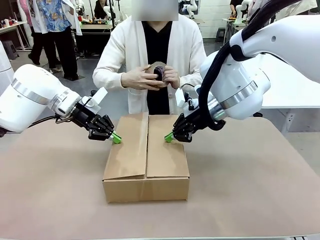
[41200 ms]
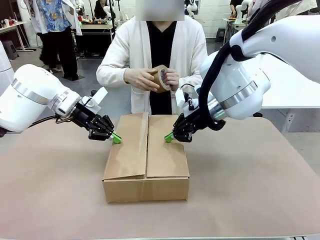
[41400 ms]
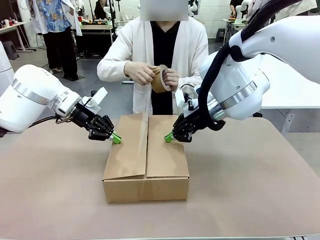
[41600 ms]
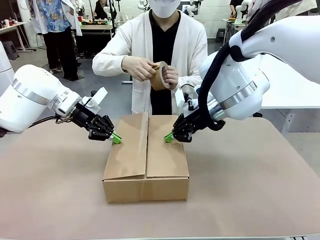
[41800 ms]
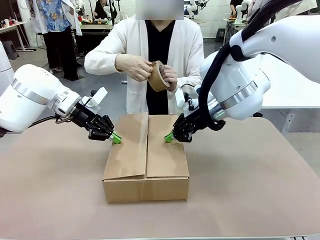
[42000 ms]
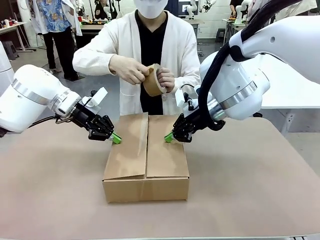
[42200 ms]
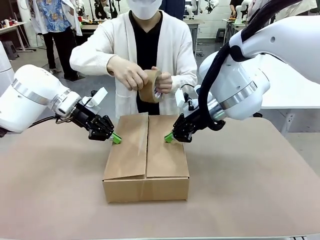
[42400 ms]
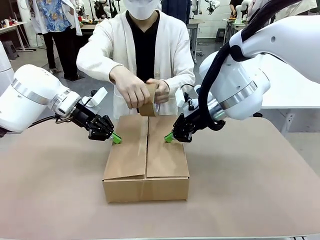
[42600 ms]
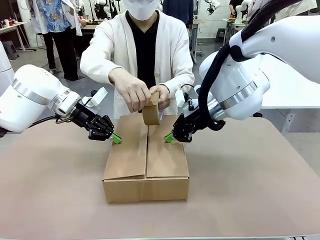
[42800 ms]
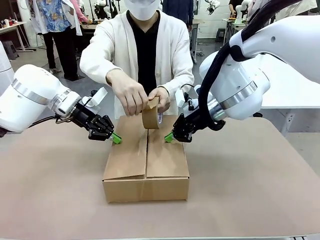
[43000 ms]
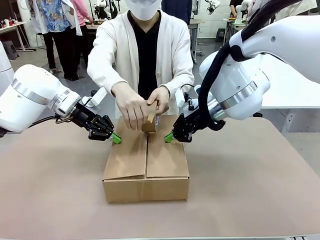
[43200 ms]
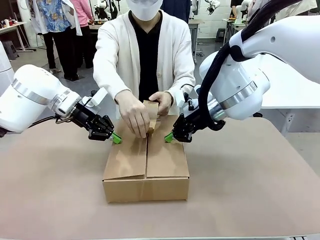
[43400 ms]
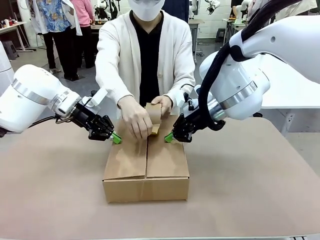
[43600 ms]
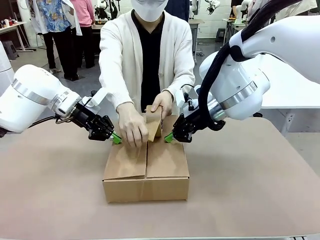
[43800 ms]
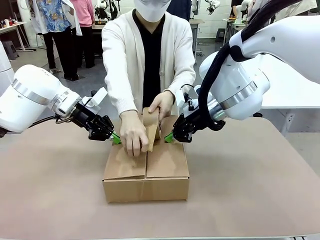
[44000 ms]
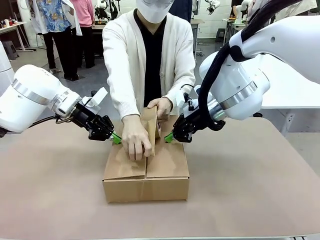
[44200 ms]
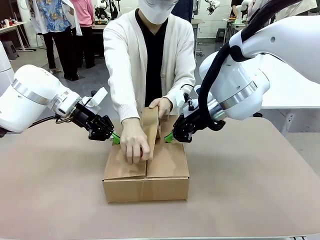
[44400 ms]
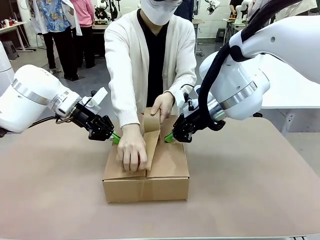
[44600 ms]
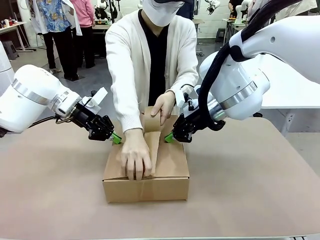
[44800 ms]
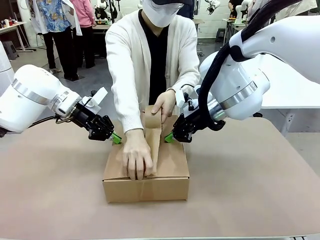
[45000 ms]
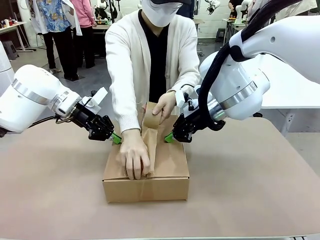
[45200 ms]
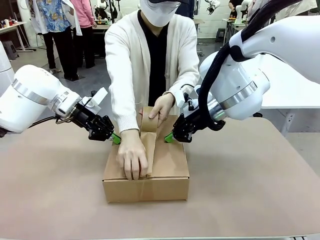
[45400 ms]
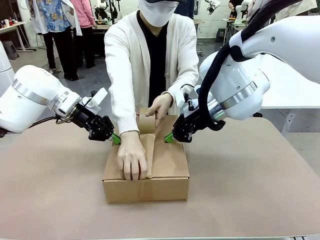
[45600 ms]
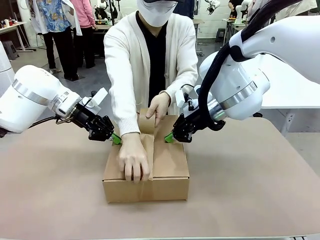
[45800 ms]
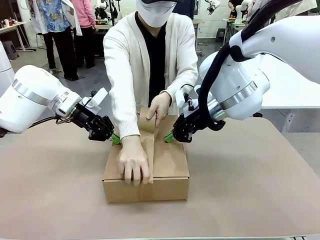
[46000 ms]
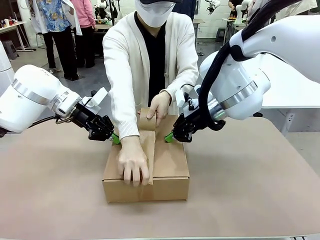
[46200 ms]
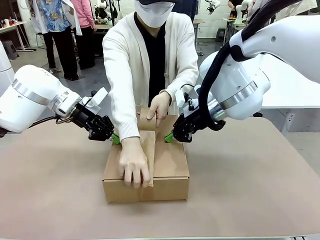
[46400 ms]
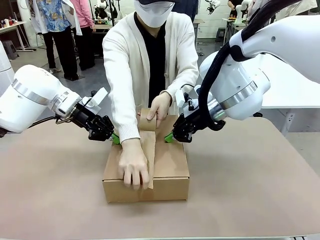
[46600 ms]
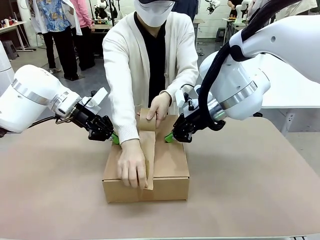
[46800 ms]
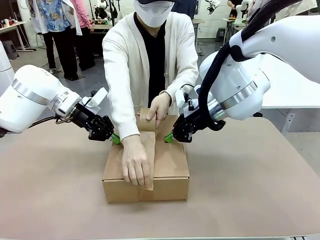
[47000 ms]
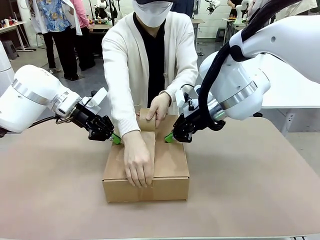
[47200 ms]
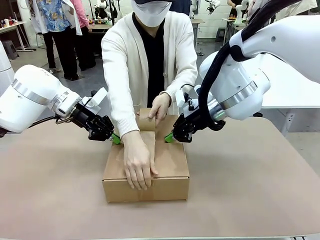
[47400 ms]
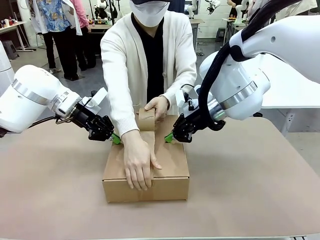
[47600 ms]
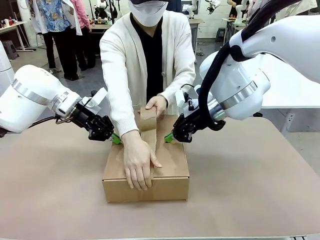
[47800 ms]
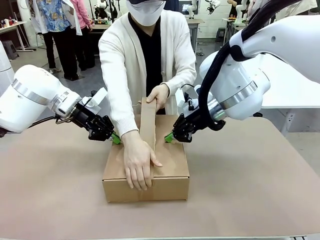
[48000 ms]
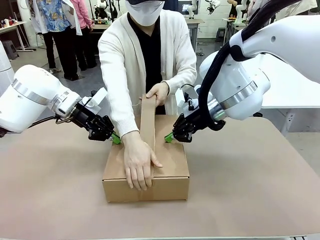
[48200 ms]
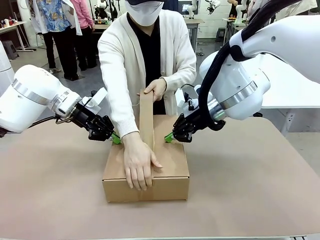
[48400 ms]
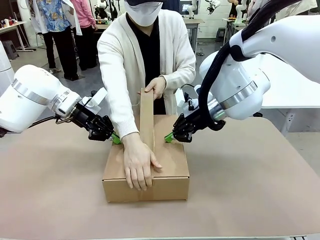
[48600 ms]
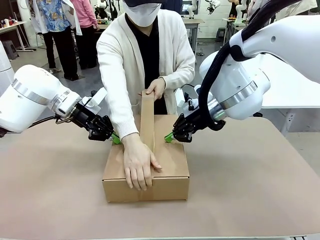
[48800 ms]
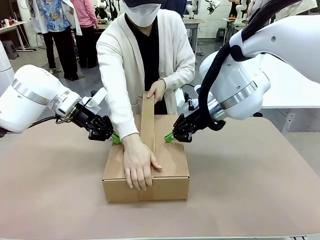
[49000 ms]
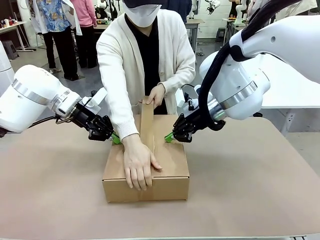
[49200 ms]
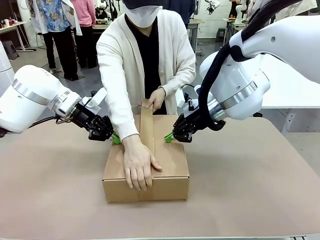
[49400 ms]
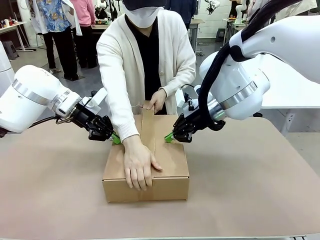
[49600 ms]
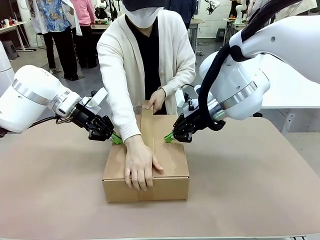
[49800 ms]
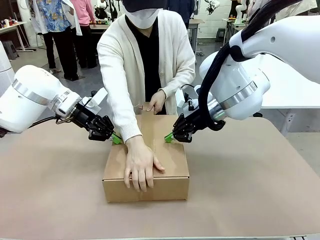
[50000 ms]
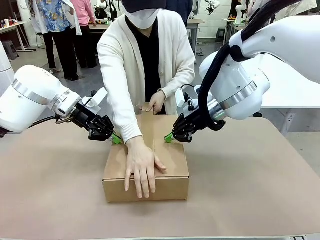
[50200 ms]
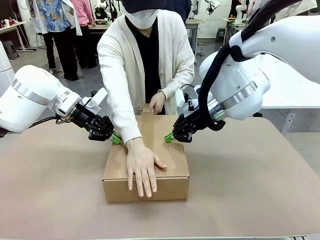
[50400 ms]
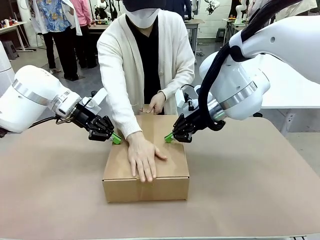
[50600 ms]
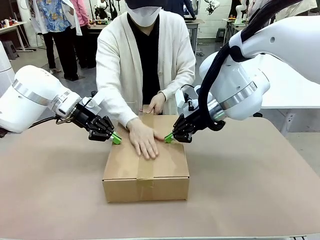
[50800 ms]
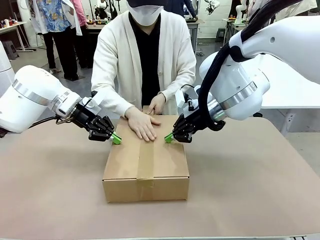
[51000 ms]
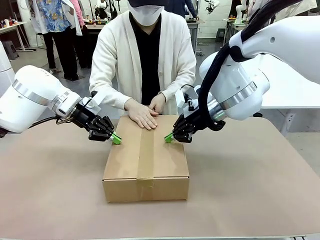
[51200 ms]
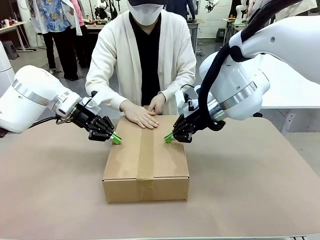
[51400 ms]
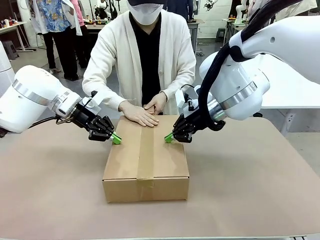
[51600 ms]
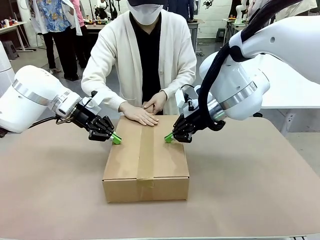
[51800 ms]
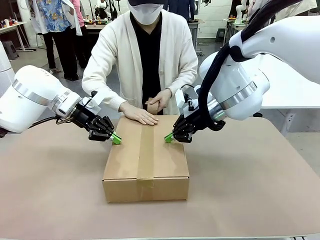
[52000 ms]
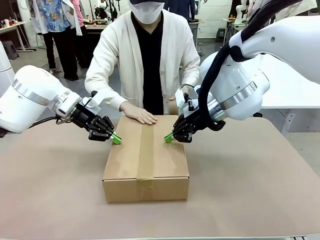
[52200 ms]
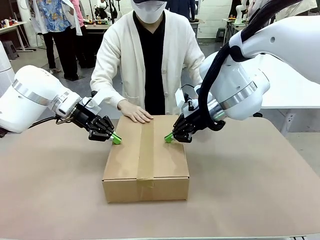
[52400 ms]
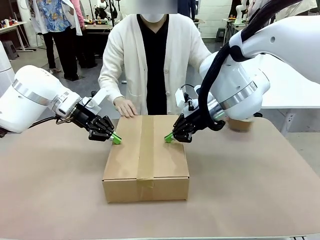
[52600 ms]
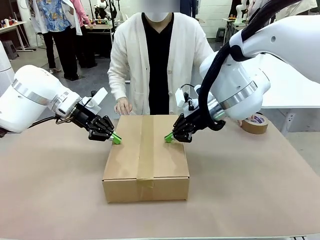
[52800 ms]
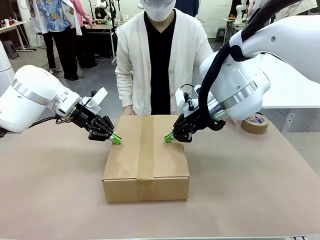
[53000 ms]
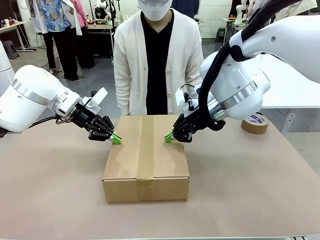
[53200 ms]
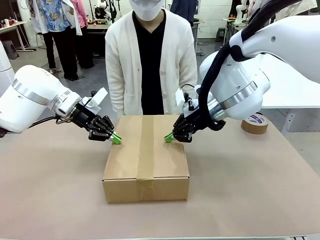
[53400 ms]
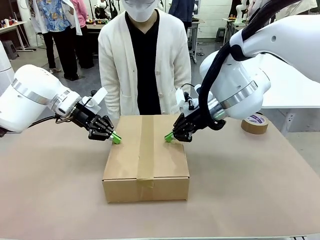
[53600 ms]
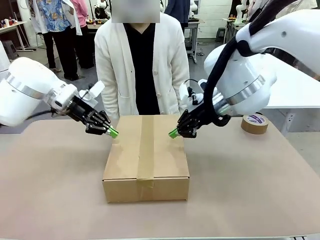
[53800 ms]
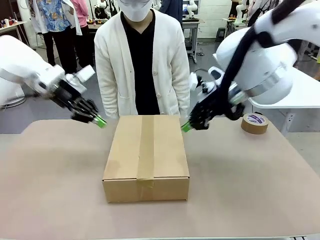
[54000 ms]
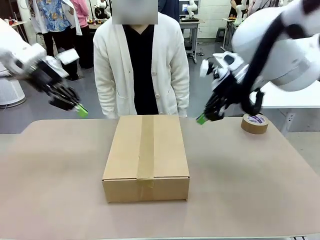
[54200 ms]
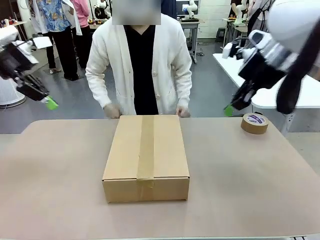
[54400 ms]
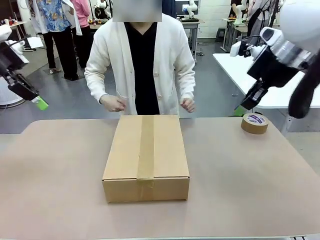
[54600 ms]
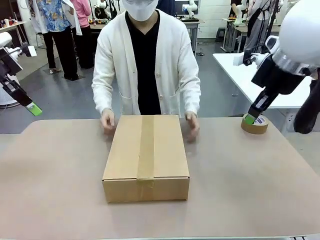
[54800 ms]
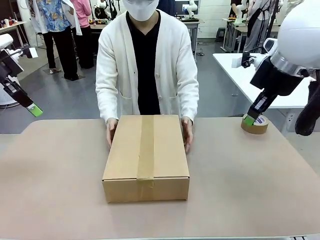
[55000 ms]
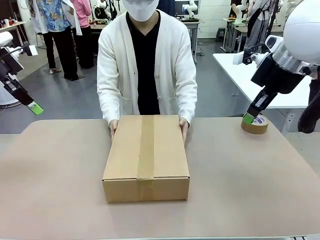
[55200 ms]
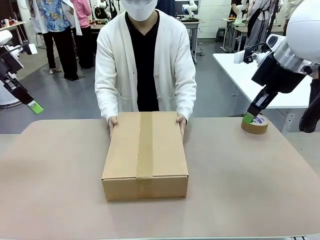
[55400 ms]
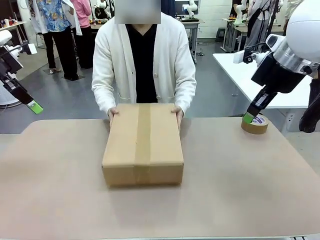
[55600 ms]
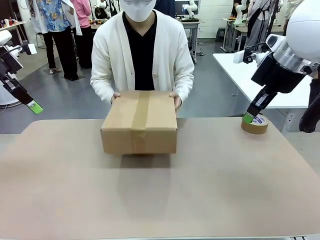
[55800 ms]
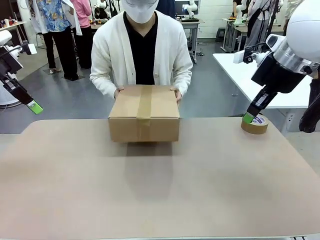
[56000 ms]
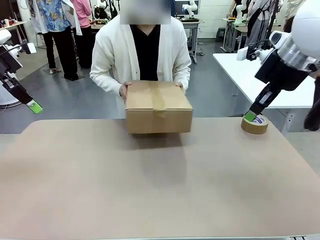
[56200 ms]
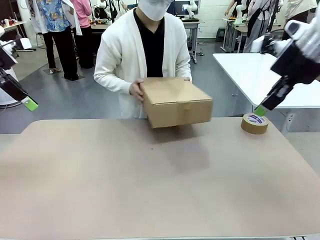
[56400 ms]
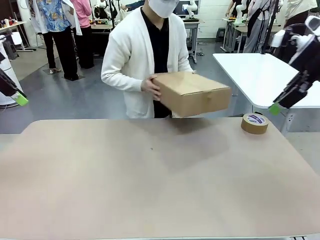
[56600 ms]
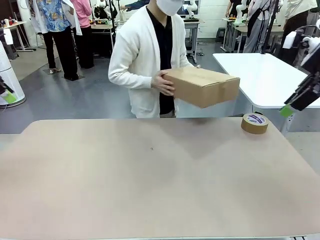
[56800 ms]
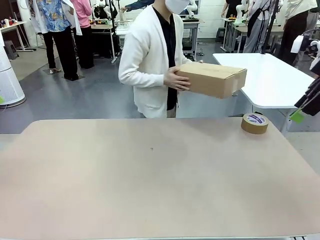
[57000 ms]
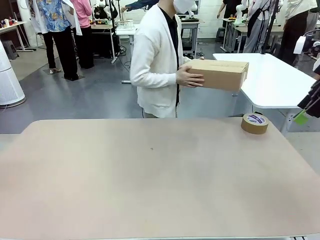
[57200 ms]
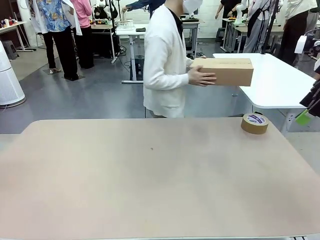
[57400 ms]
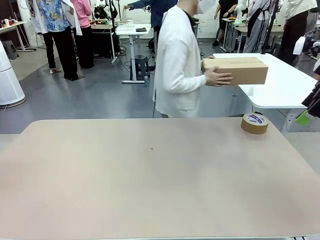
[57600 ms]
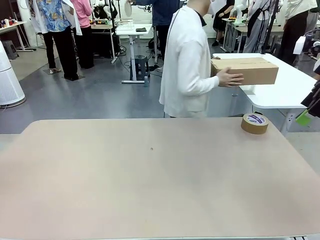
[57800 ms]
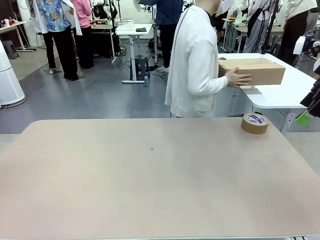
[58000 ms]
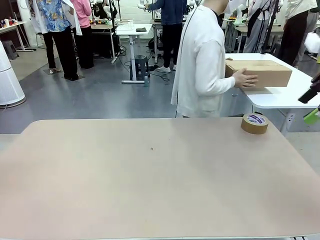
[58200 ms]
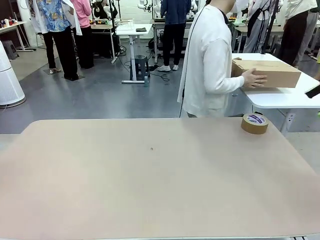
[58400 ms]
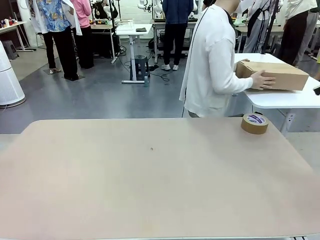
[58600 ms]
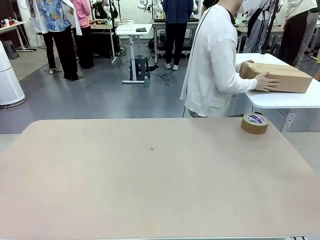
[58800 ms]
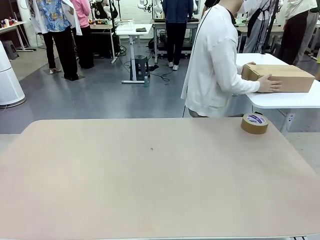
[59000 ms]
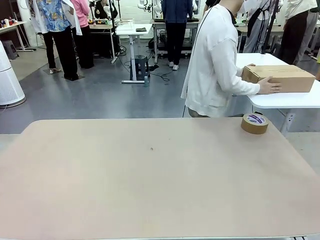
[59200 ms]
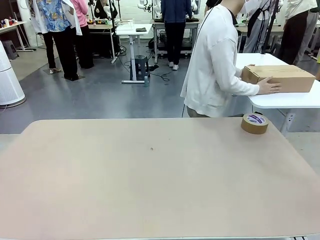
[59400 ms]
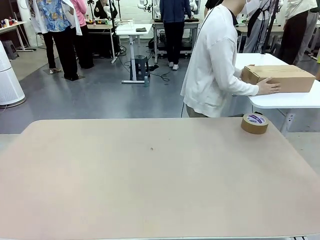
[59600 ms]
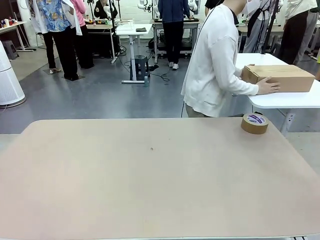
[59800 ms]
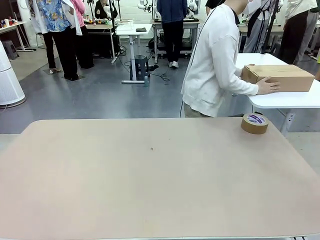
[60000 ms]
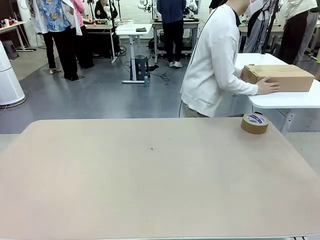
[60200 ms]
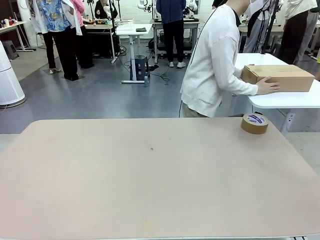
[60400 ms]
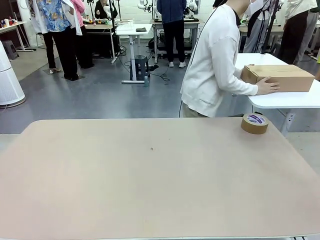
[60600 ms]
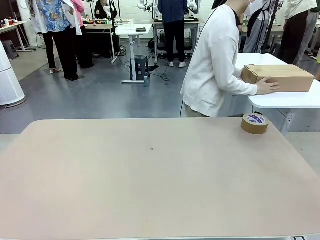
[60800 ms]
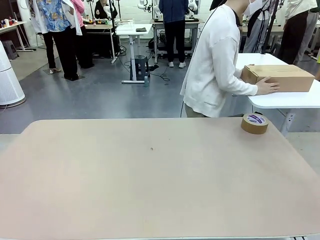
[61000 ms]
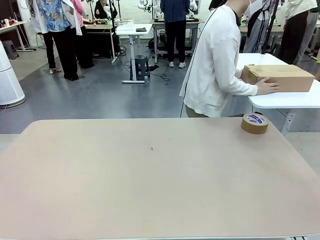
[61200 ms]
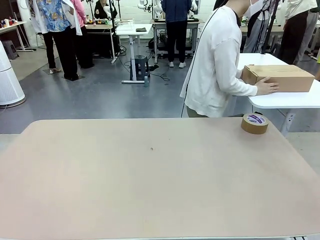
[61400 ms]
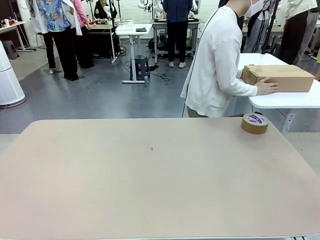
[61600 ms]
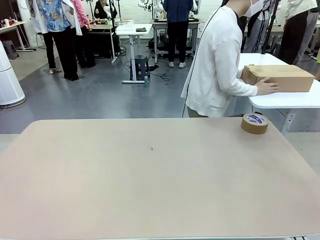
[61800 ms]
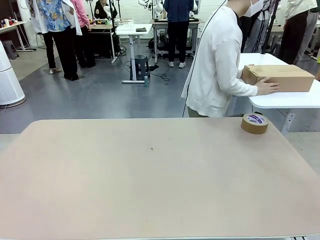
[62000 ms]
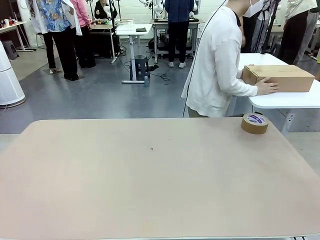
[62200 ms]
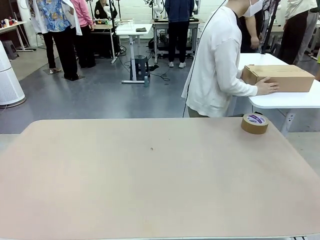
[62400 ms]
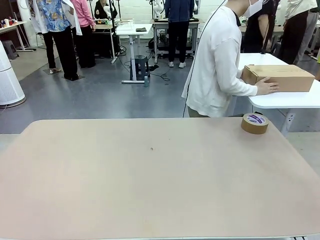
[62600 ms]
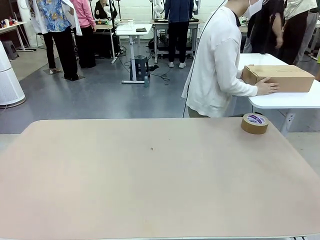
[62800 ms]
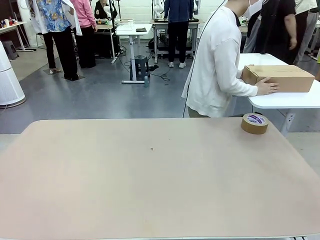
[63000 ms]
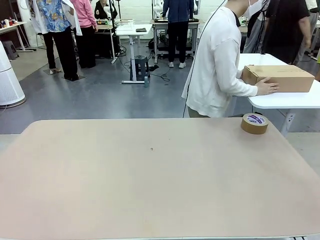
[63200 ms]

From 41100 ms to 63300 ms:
Task: Wrap the clocks to prevent damage.
Robot: After the human seals the box with tape, release both hands from the side flaps of the Package Box.
Person: Once the robot closes the left flap of the Package Box , seal the box with Paper Tape. Place sealed Package Box in the middle of the human's table.
